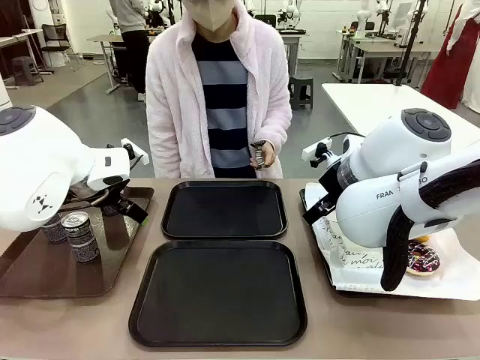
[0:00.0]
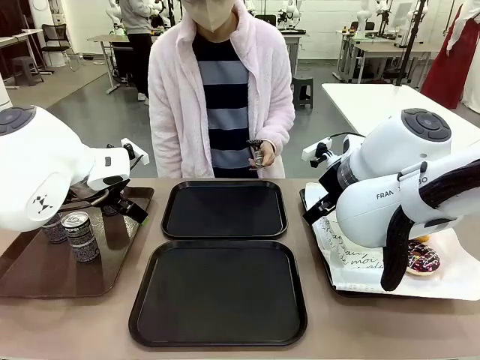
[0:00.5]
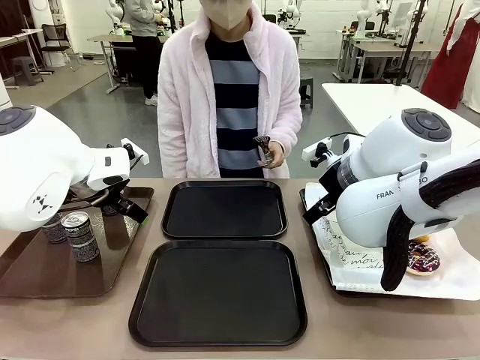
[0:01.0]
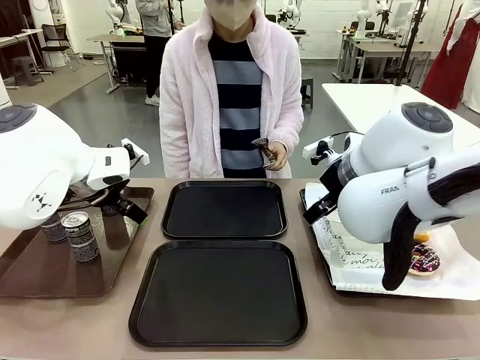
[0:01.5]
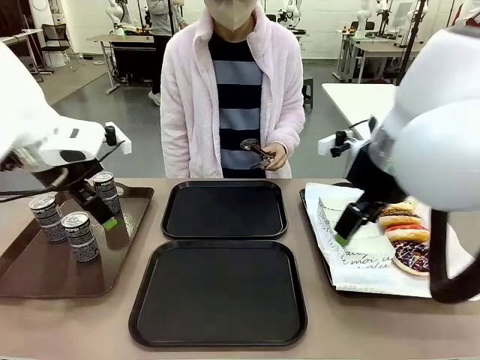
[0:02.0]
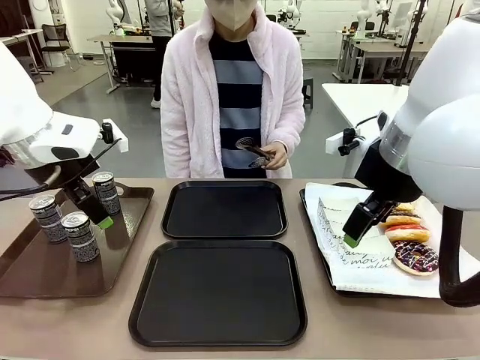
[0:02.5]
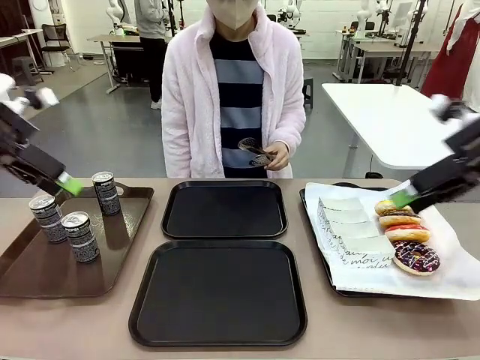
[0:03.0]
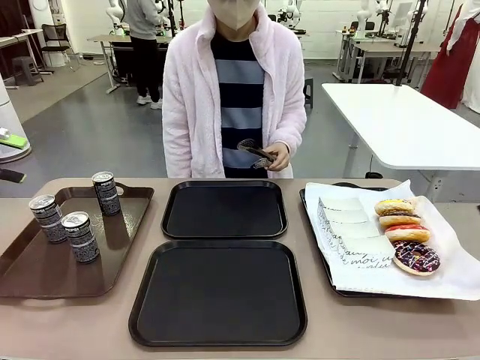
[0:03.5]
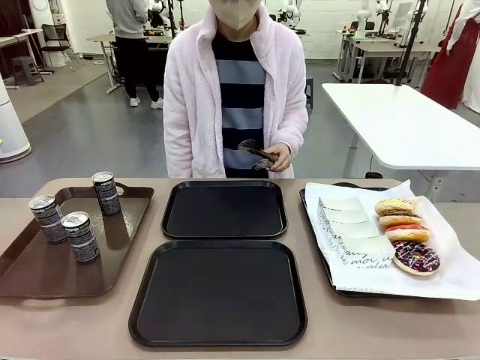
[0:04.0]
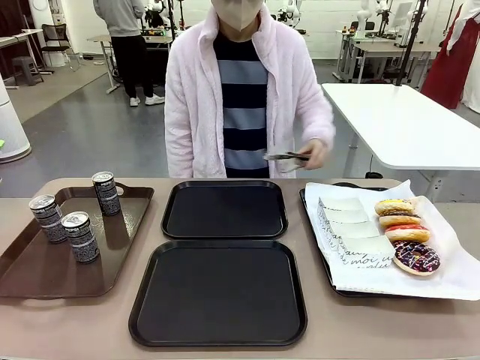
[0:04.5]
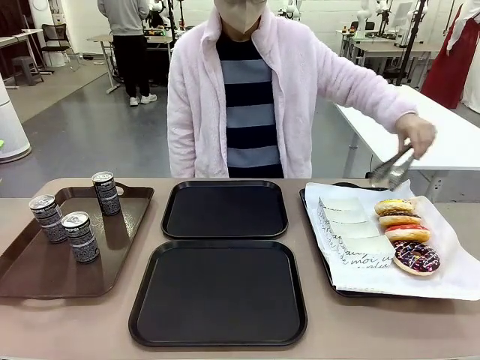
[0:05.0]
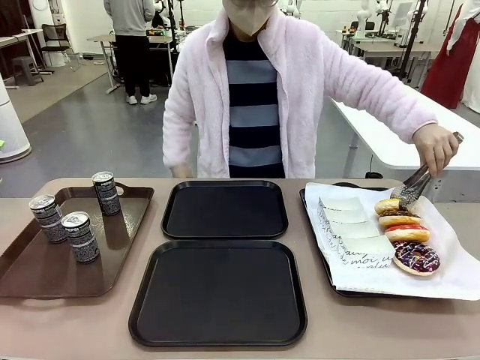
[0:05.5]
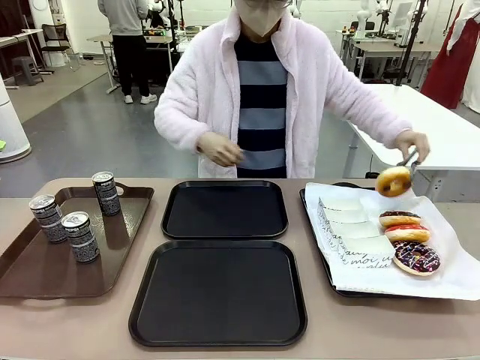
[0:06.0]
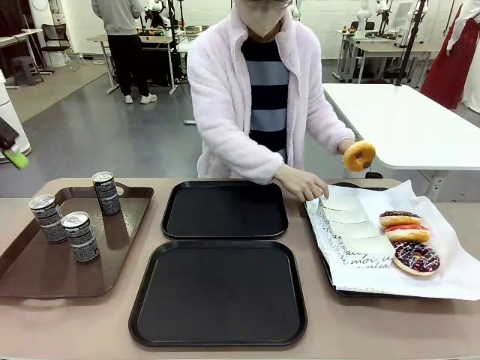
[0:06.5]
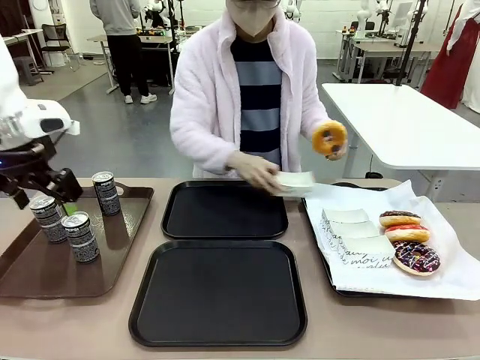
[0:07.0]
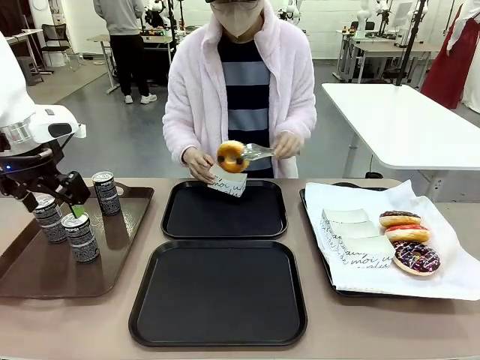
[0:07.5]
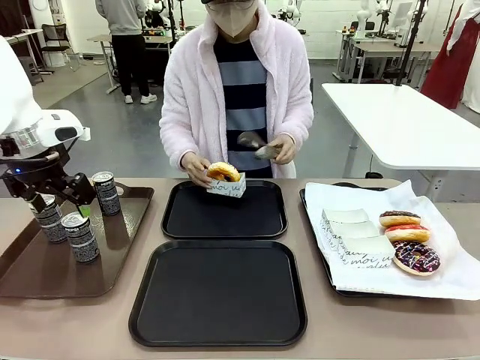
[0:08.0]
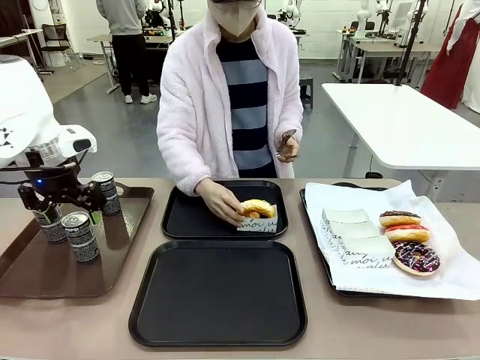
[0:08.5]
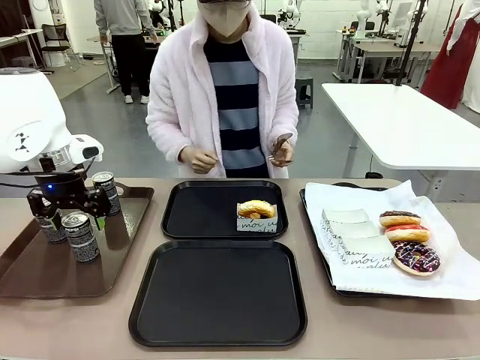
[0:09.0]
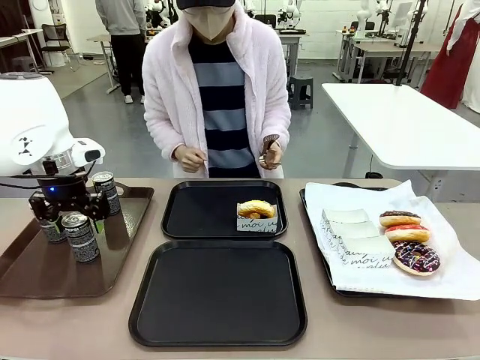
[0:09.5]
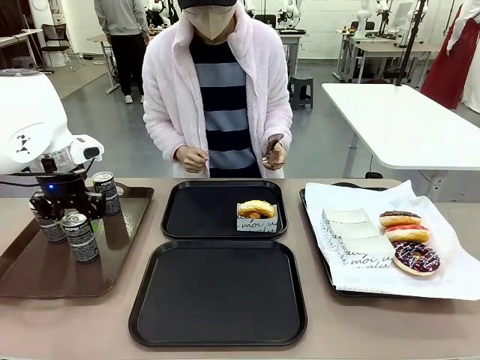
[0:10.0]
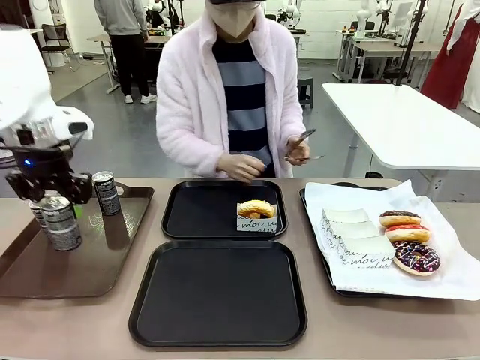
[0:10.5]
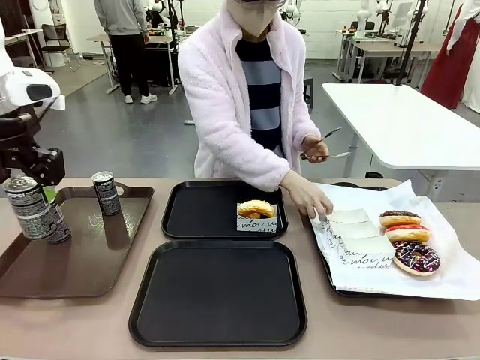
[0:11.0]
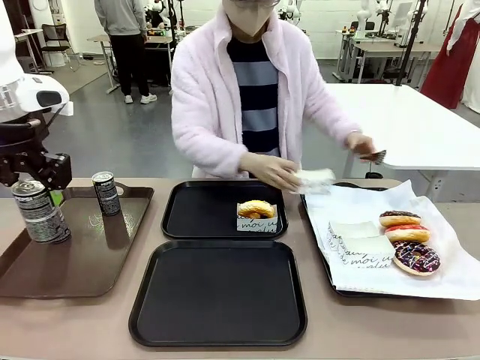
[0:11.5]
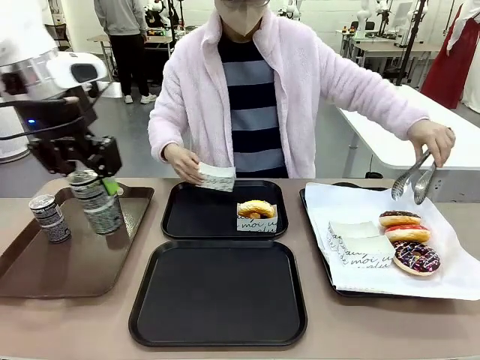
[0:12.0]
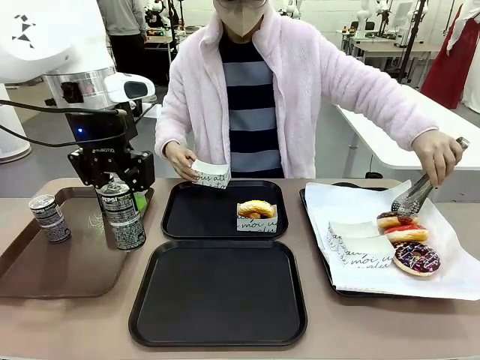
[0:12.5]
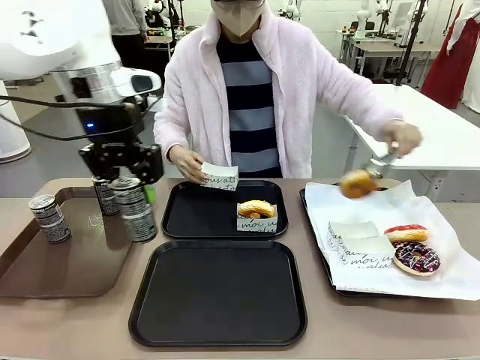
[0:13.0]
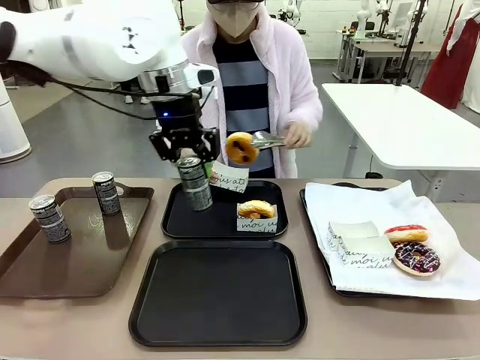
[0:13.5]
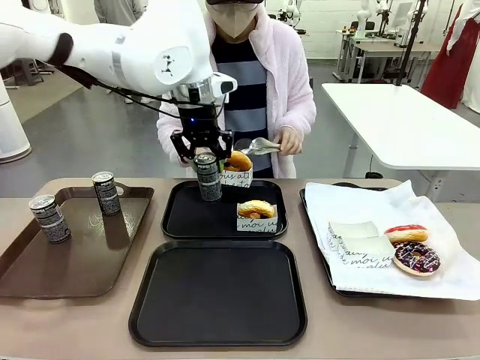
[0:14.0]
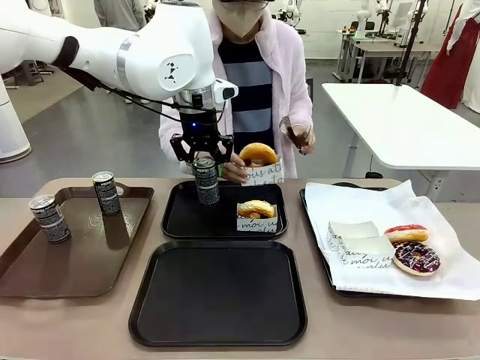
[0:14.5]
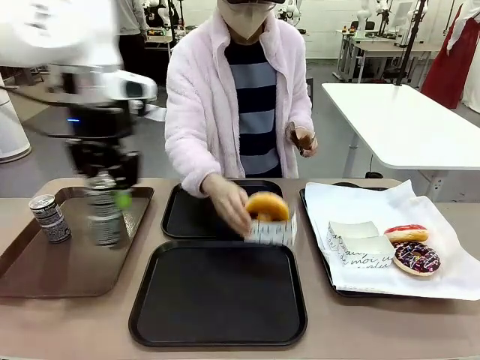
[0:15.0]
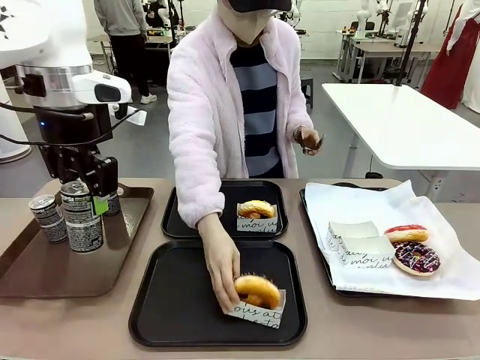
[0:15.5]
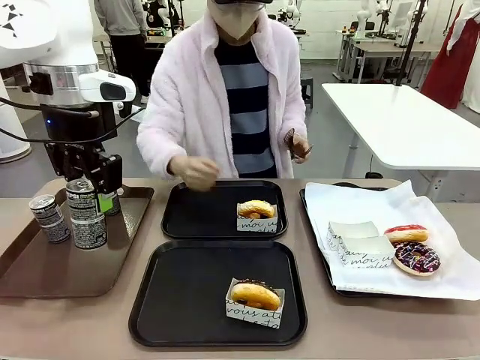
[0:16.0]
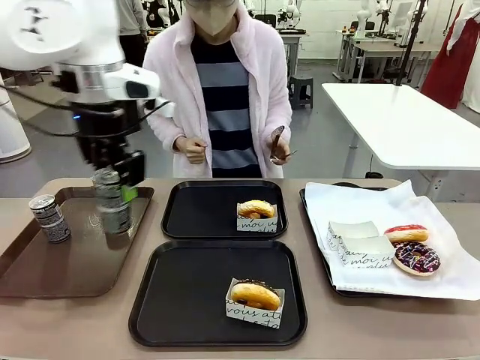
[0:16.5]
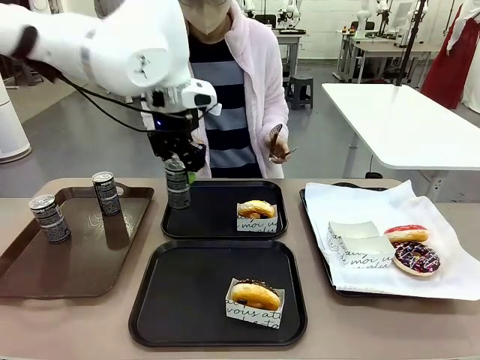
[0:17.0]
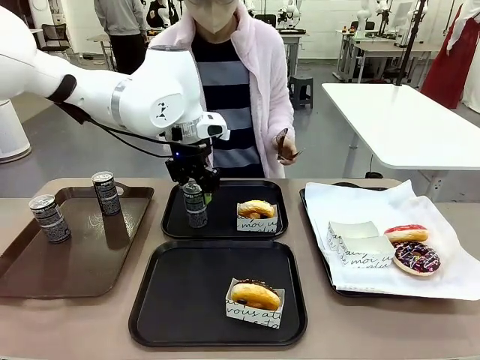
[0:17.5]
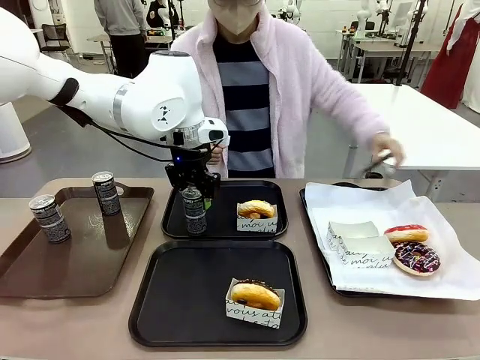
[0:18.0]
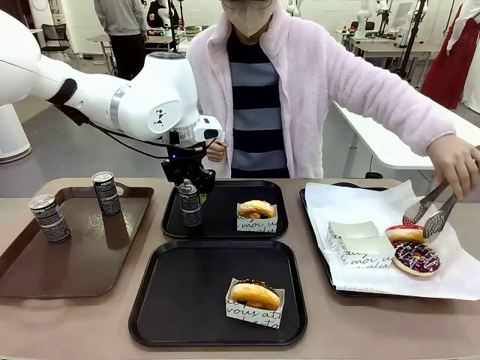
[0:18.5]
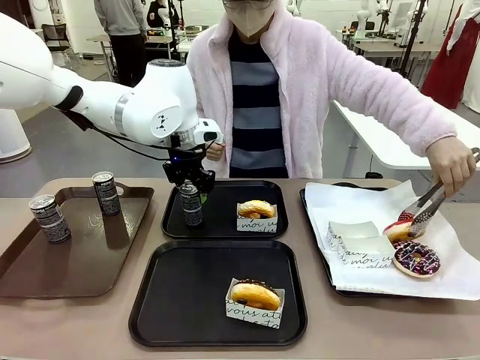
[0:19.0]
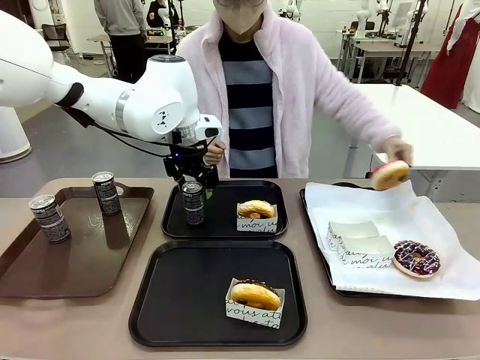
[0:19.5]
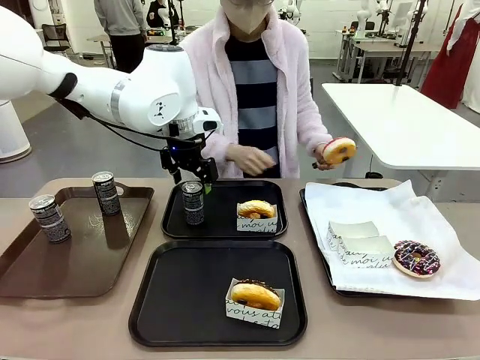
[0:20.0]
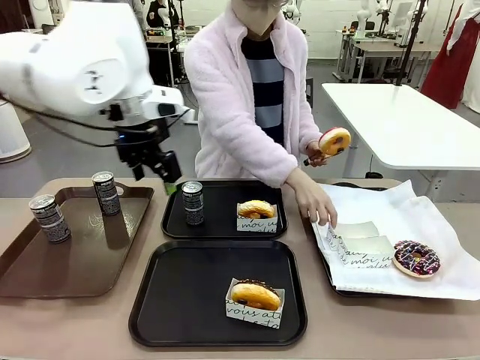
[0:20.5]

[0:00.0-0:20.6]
Task: Set up donuts and drinks on trays.
Robot: Pick up one Pepsi coke and place it on the Flat Tray.
Person: Pick up one donut with tongs, place it in the donut tray, and then place the donut tray on the flat tray.
